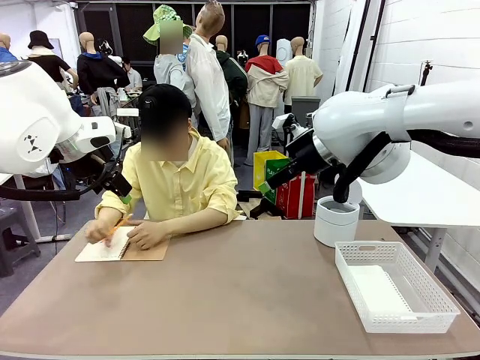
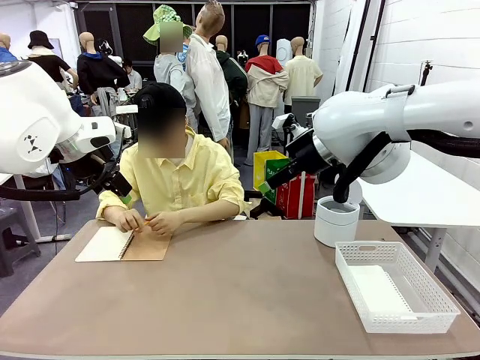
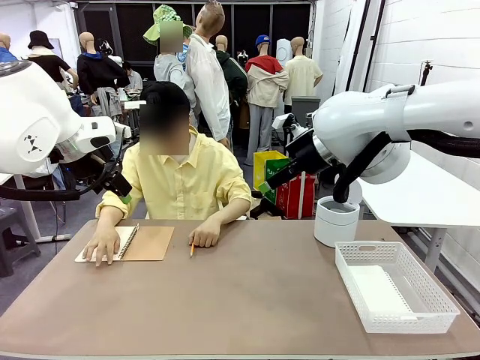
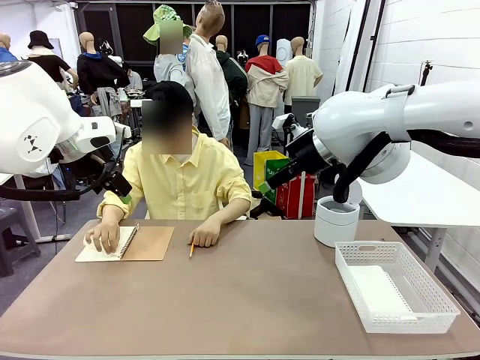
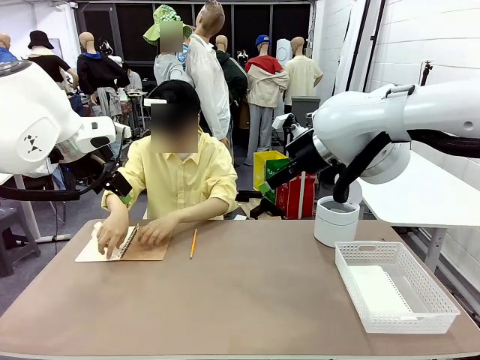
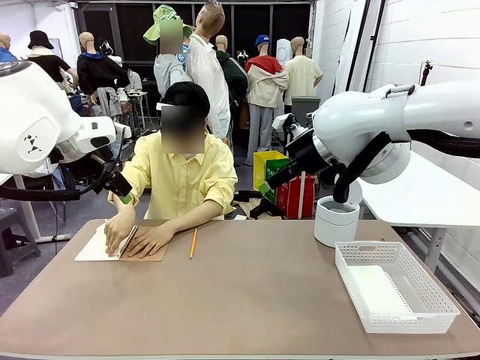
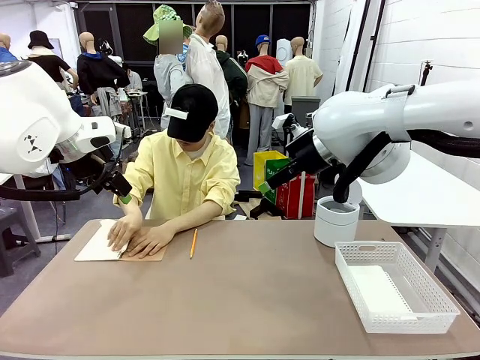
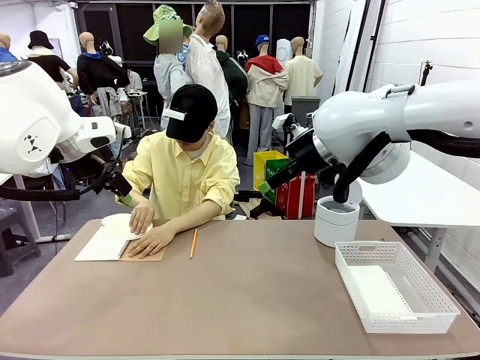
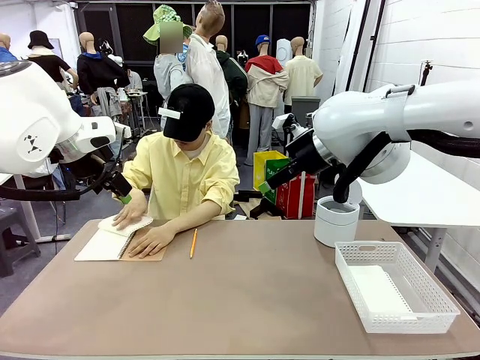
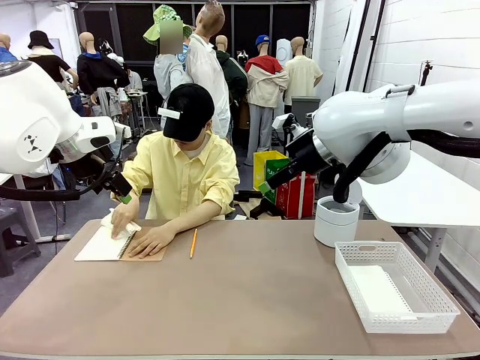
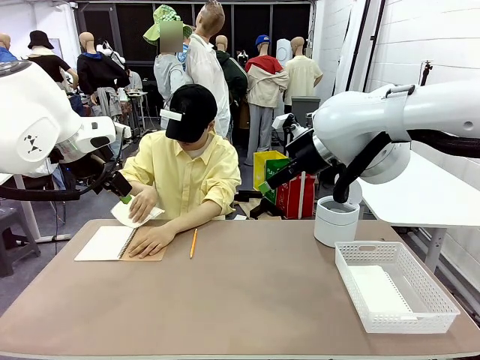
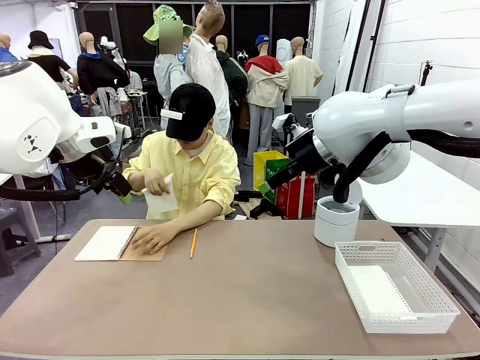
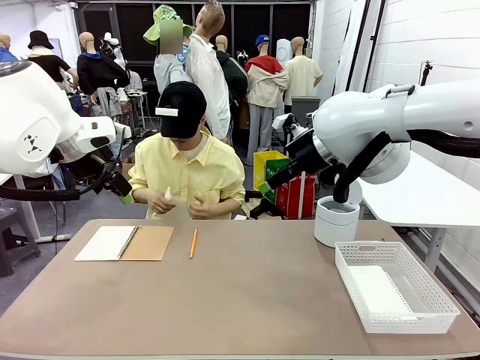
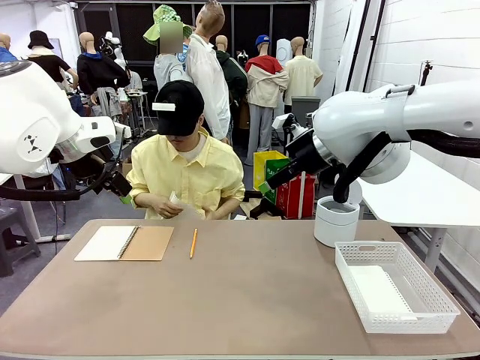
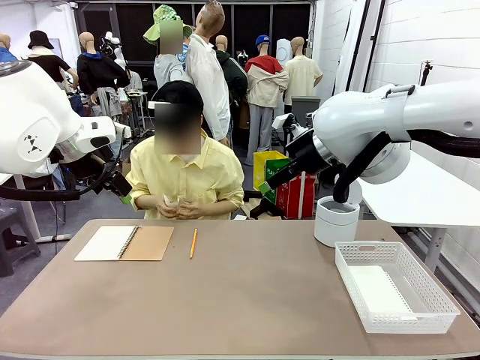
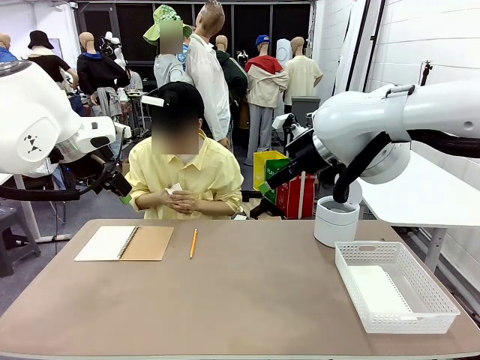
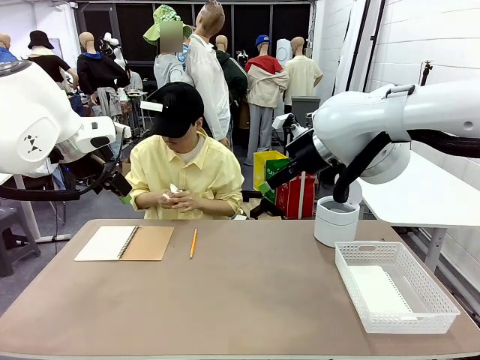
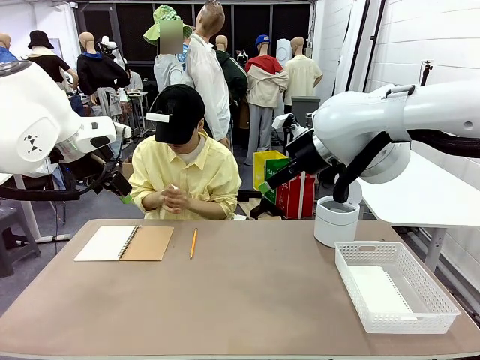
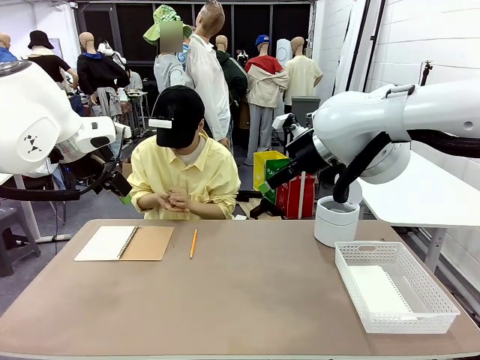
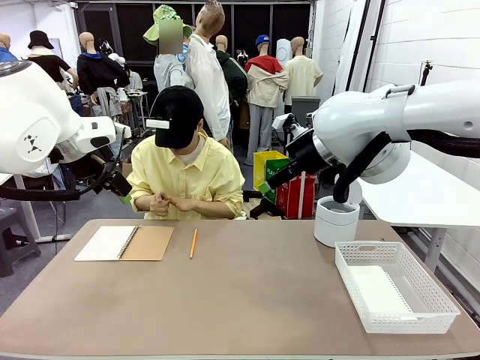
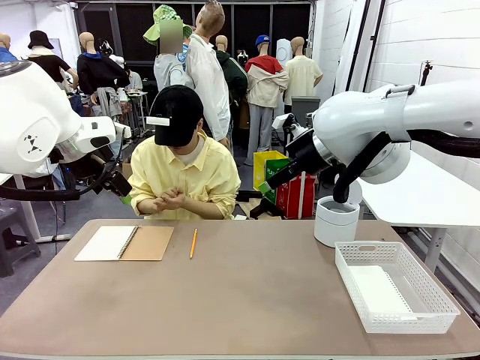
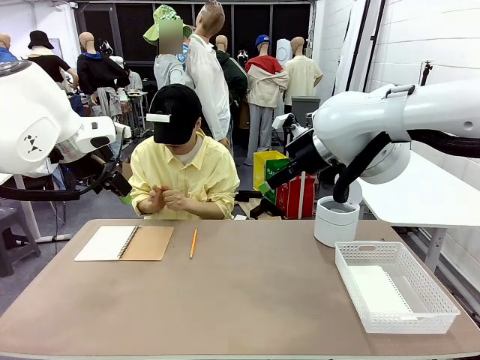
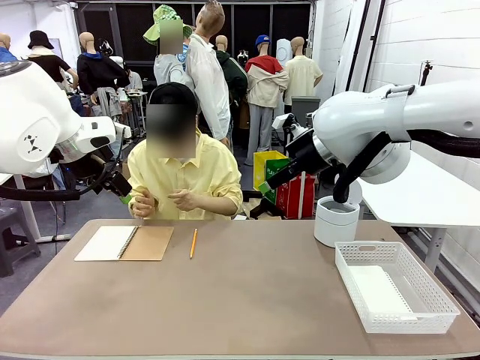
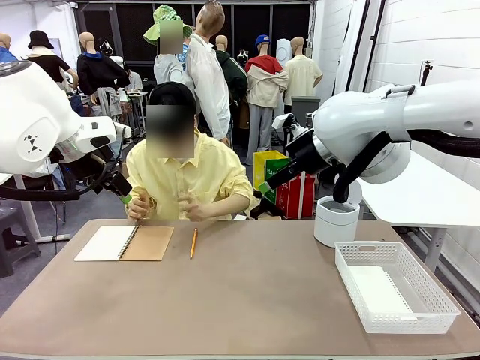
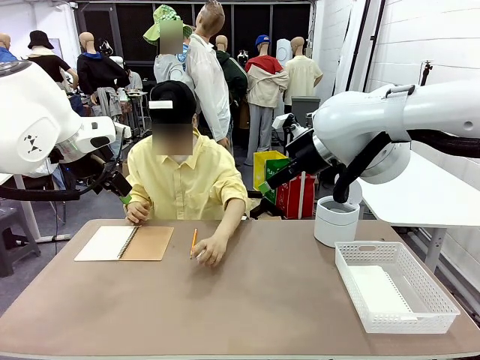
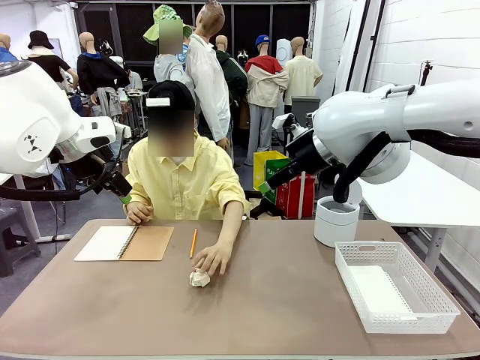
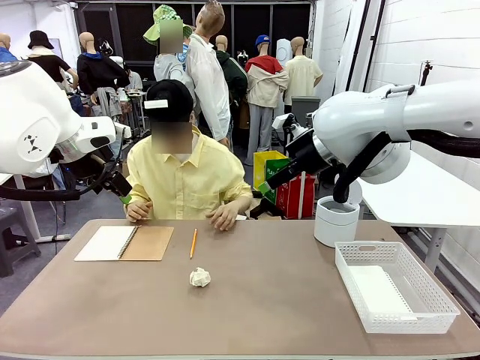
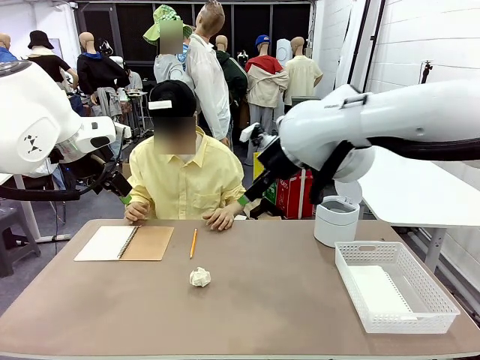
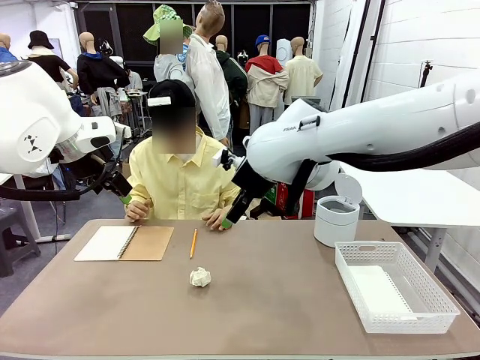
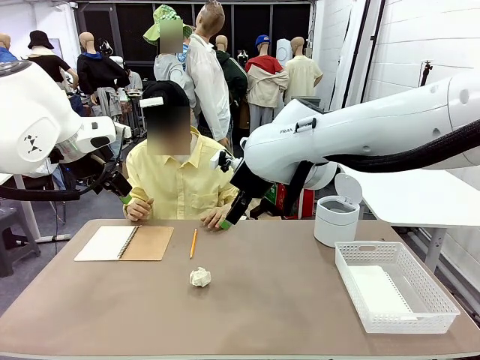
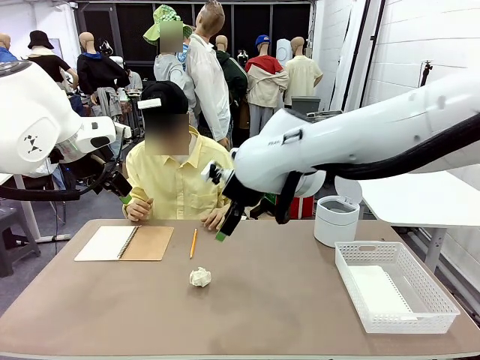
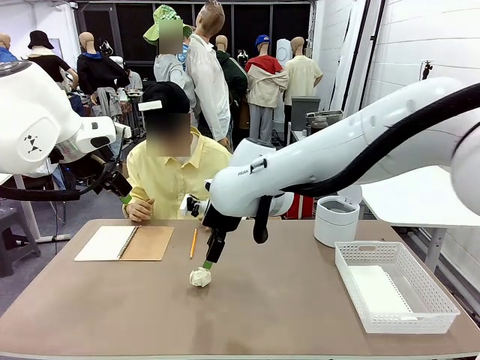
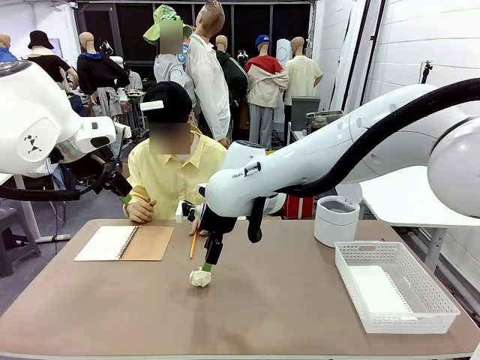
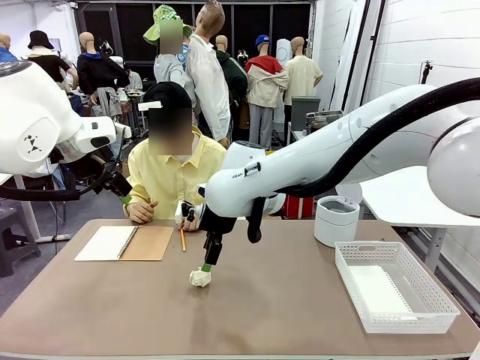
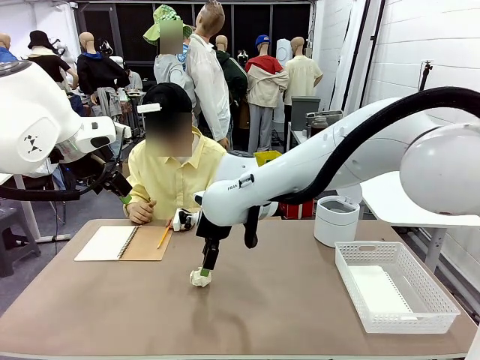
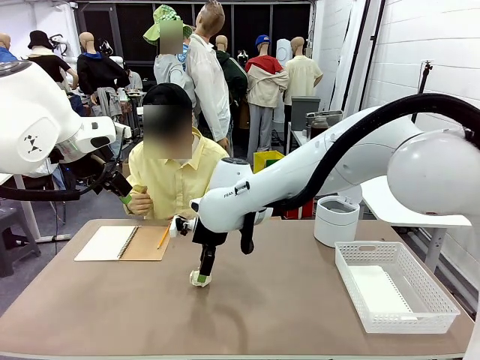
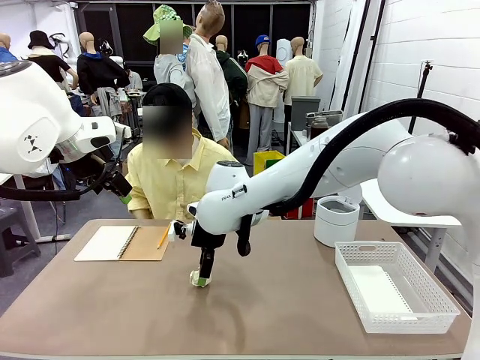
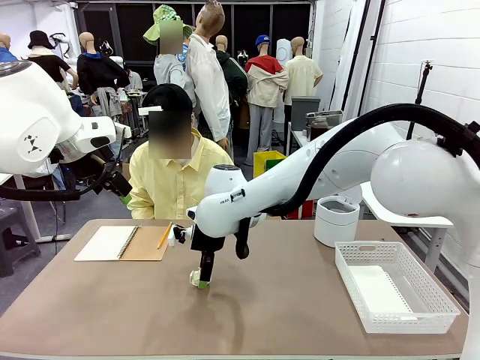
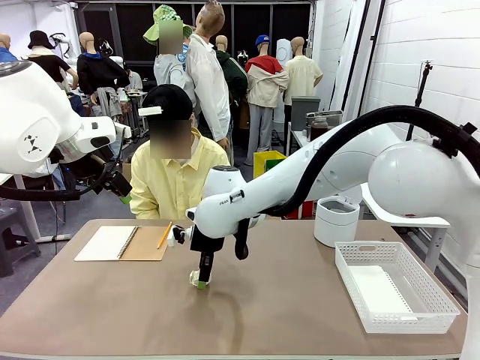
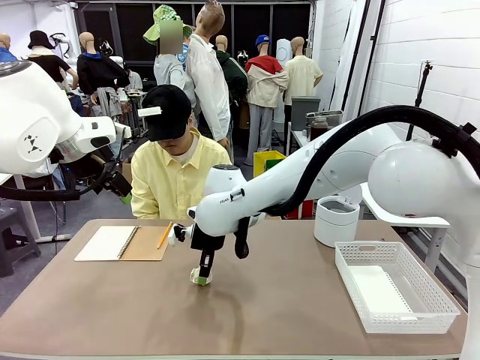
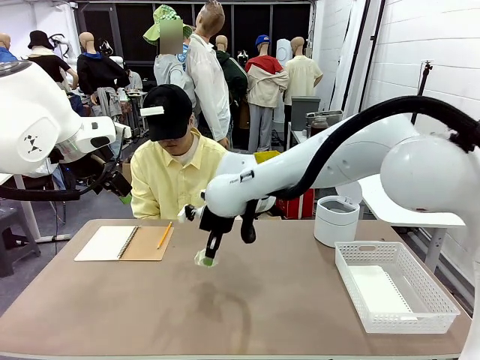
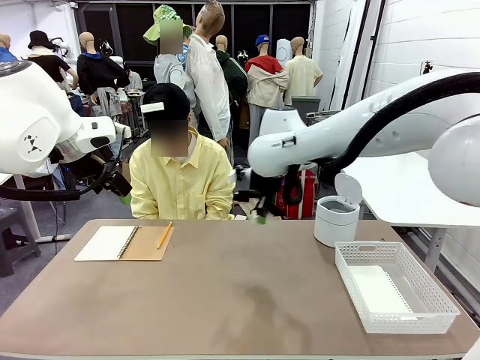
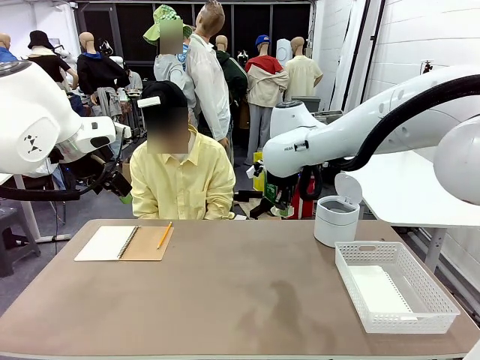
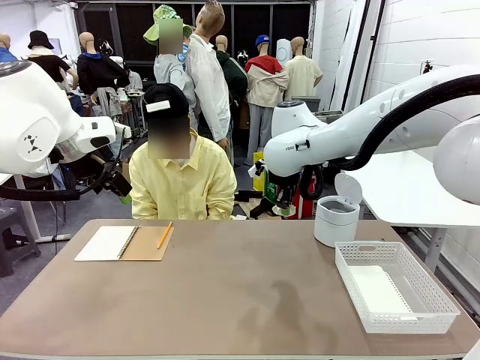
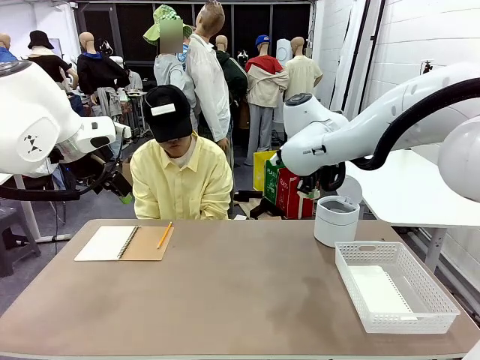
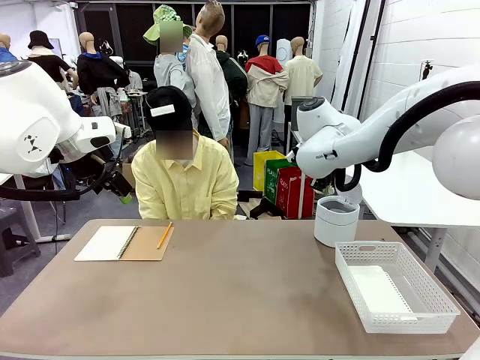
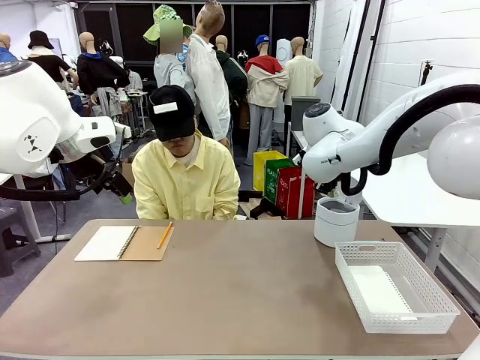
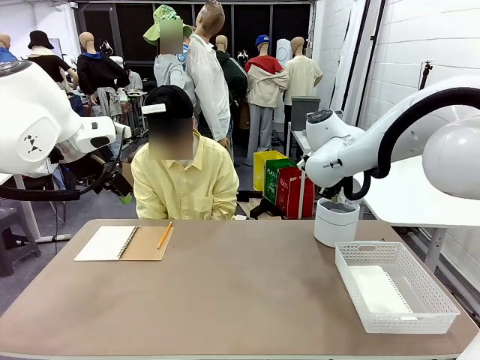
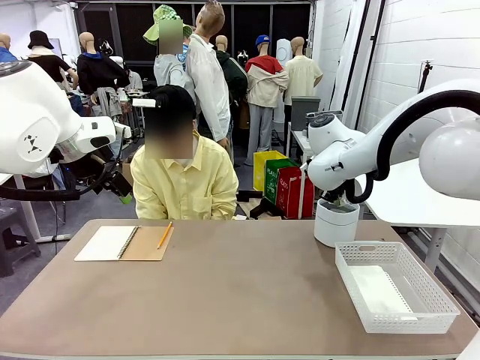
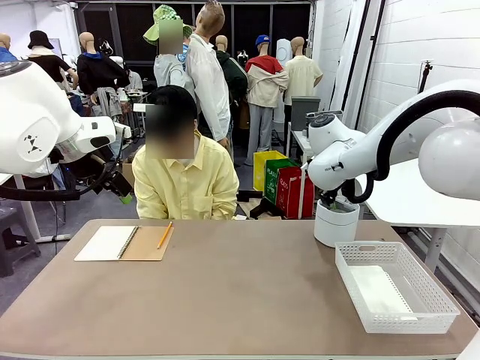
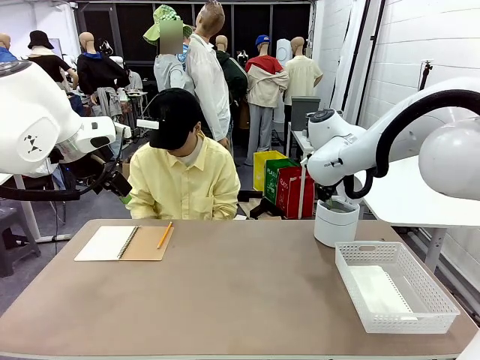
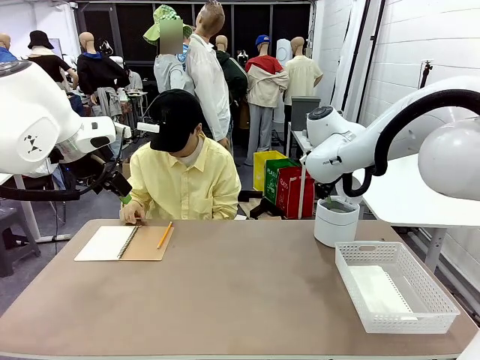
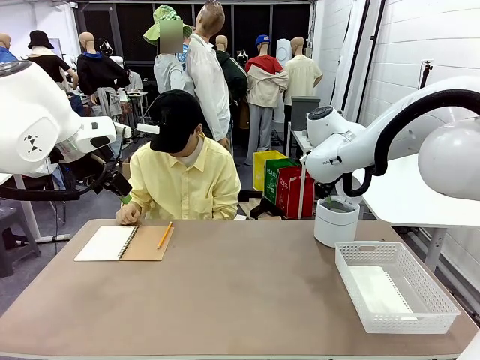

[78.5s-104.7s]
Task: Sort the paper based on its condition.
Robot: If a person hands you a paper, place it in the Organizing basket , and if it's crumpled, put it in the Trash can.
Person: Hand the torn page to the robot or crumple it and throw it to the center of the table.
